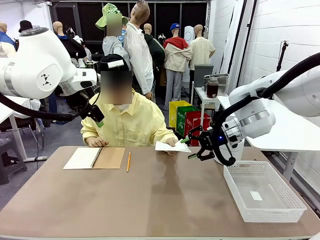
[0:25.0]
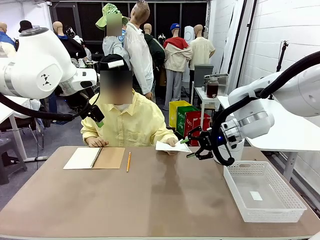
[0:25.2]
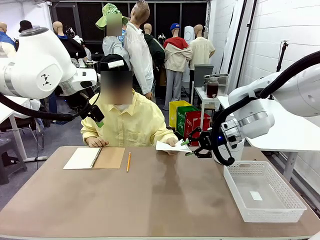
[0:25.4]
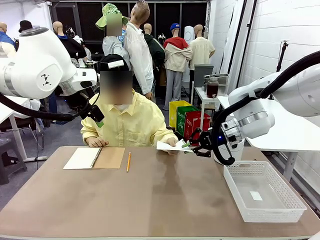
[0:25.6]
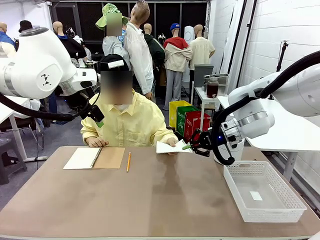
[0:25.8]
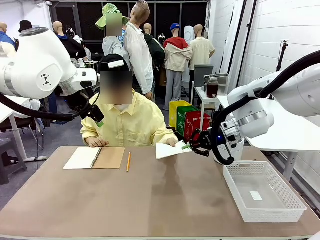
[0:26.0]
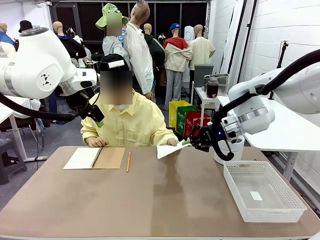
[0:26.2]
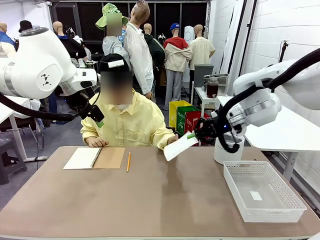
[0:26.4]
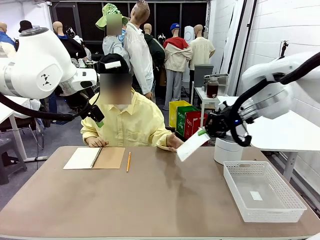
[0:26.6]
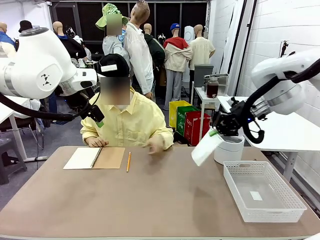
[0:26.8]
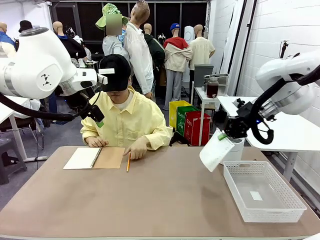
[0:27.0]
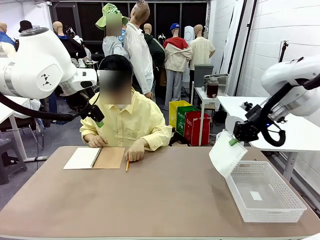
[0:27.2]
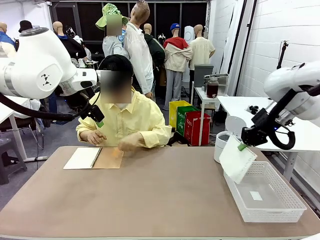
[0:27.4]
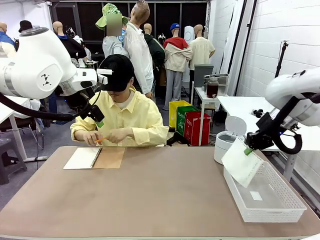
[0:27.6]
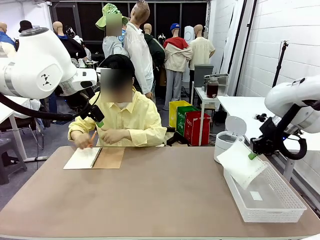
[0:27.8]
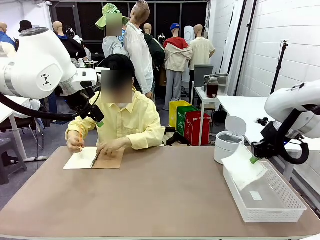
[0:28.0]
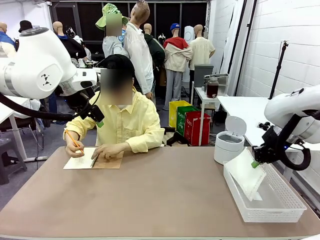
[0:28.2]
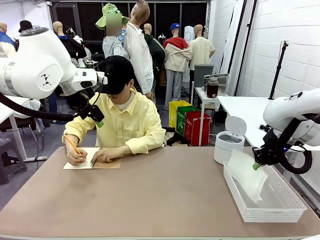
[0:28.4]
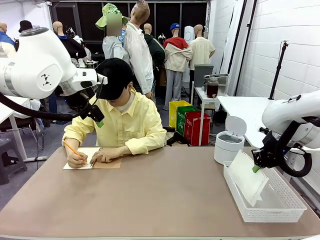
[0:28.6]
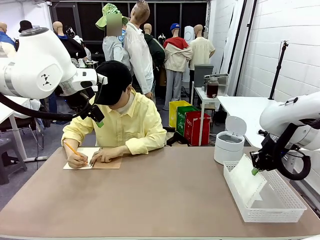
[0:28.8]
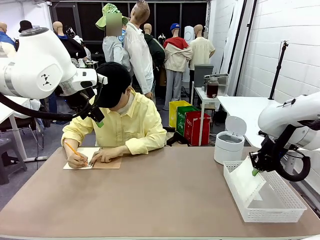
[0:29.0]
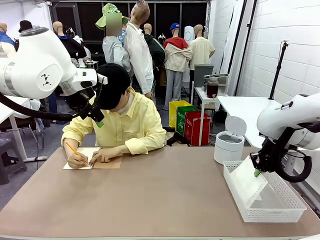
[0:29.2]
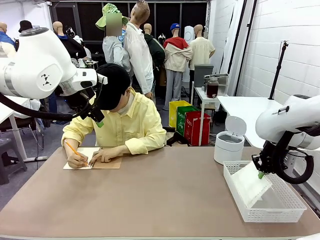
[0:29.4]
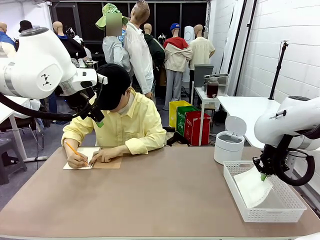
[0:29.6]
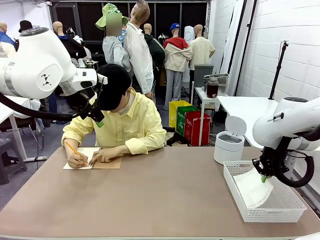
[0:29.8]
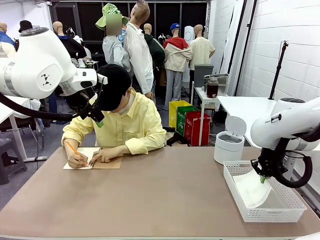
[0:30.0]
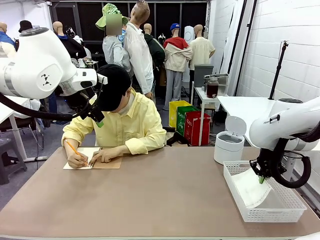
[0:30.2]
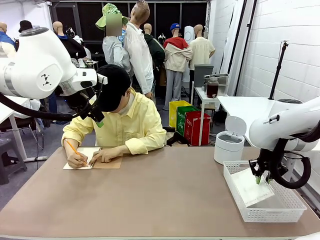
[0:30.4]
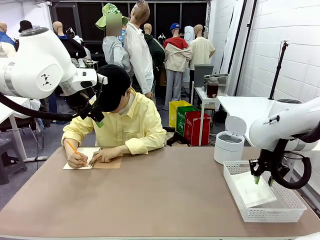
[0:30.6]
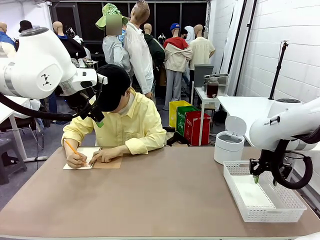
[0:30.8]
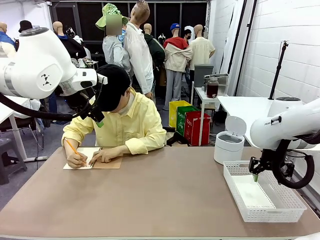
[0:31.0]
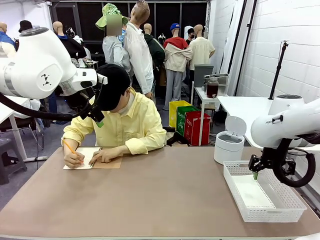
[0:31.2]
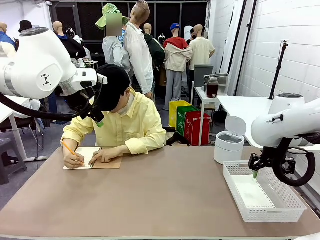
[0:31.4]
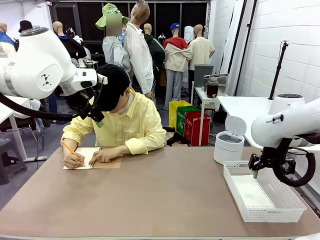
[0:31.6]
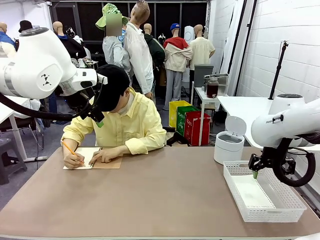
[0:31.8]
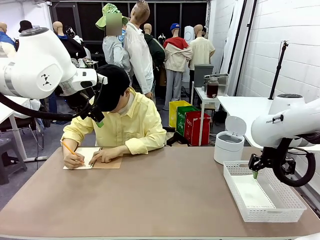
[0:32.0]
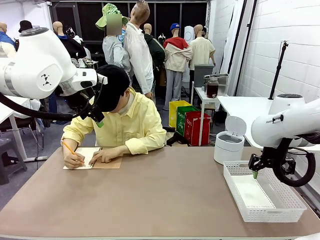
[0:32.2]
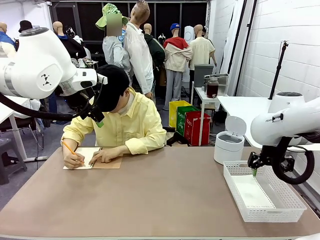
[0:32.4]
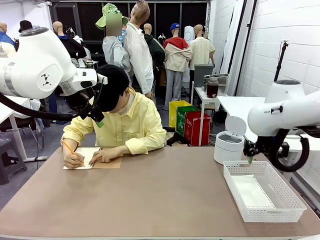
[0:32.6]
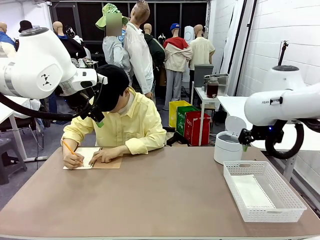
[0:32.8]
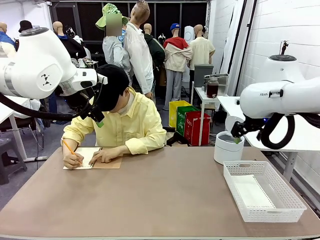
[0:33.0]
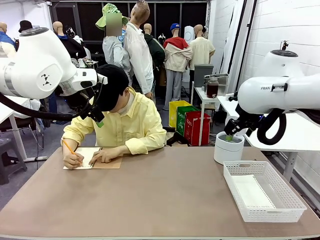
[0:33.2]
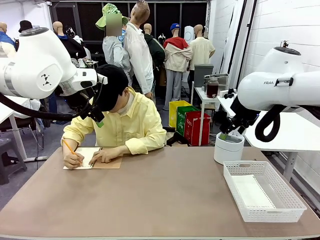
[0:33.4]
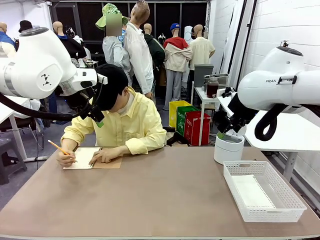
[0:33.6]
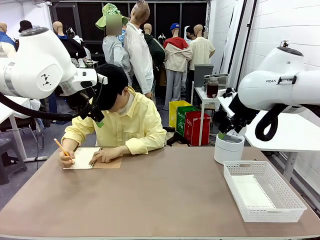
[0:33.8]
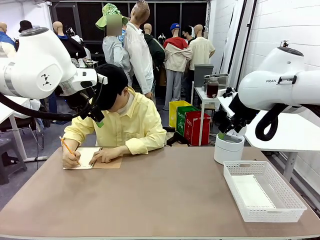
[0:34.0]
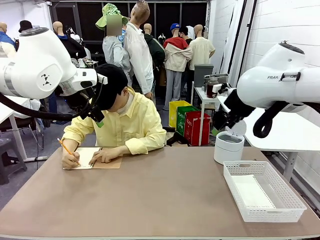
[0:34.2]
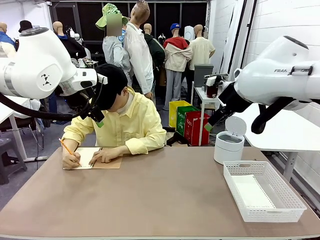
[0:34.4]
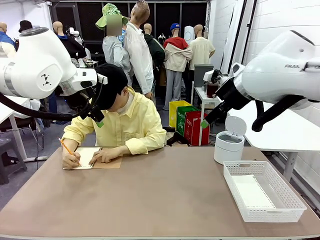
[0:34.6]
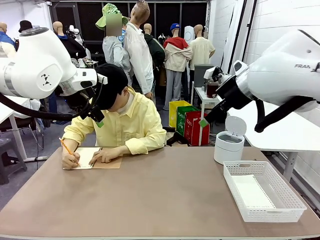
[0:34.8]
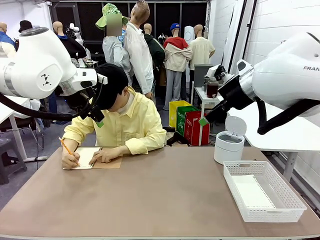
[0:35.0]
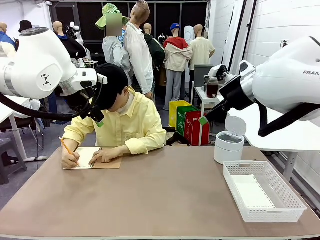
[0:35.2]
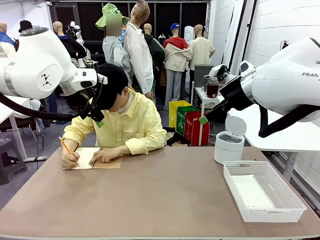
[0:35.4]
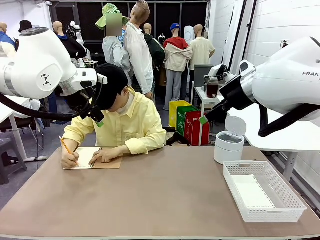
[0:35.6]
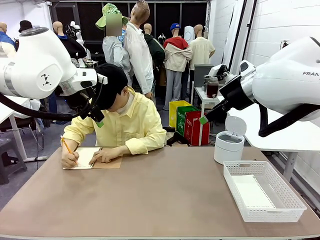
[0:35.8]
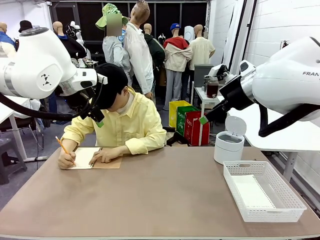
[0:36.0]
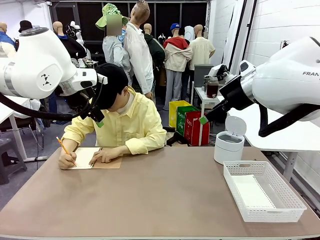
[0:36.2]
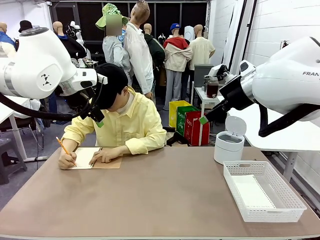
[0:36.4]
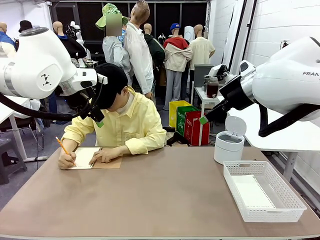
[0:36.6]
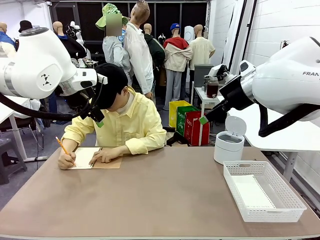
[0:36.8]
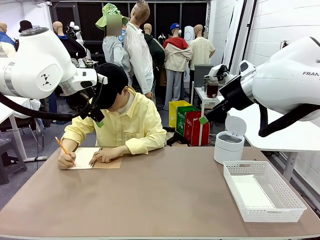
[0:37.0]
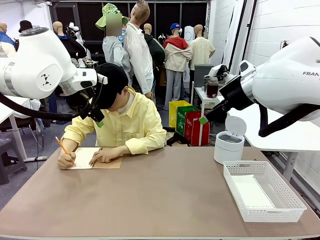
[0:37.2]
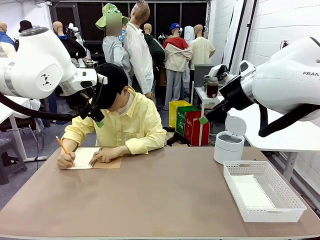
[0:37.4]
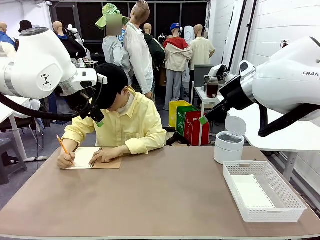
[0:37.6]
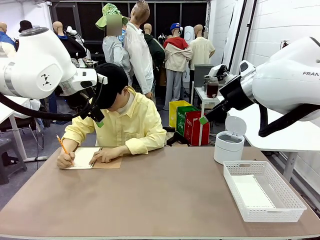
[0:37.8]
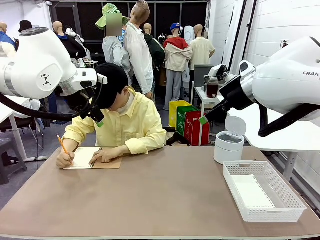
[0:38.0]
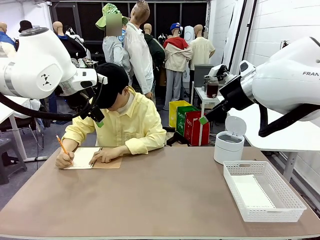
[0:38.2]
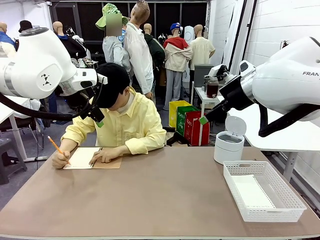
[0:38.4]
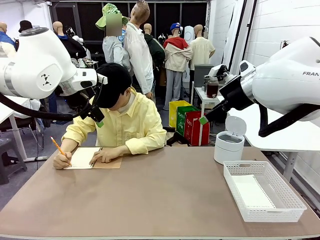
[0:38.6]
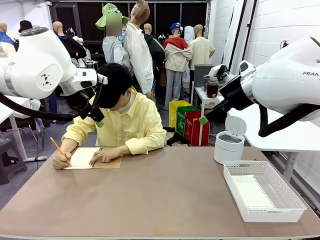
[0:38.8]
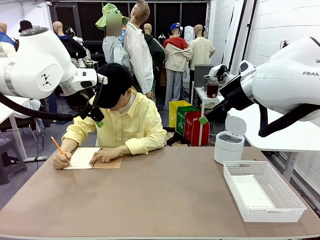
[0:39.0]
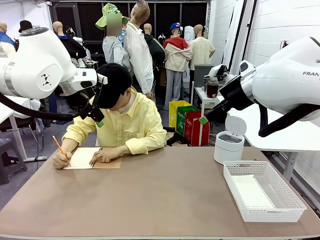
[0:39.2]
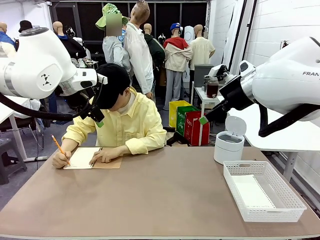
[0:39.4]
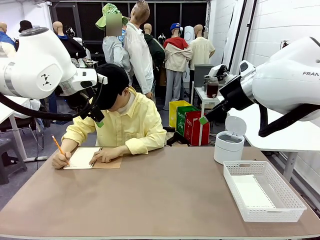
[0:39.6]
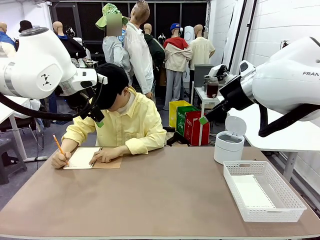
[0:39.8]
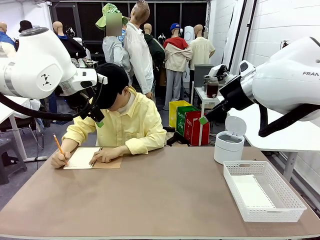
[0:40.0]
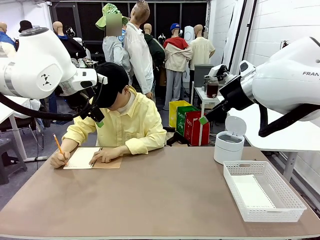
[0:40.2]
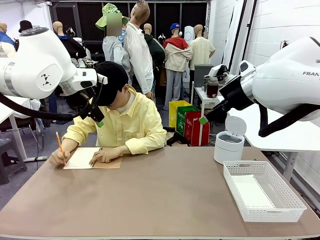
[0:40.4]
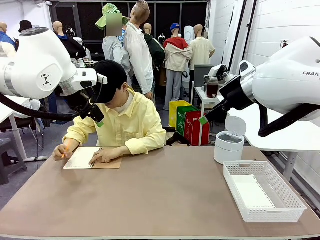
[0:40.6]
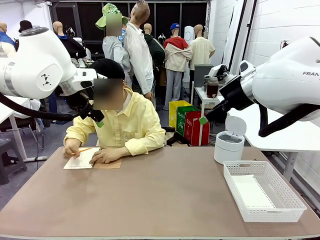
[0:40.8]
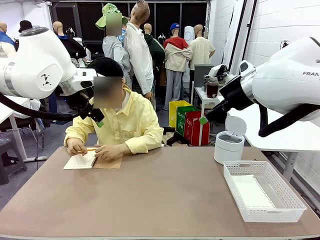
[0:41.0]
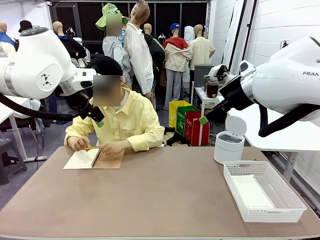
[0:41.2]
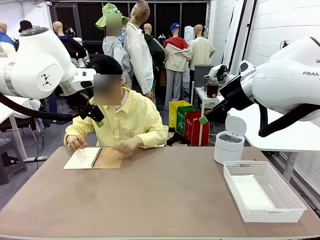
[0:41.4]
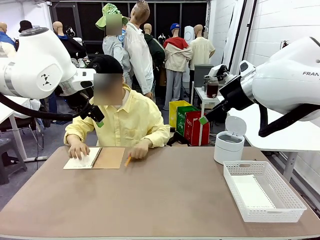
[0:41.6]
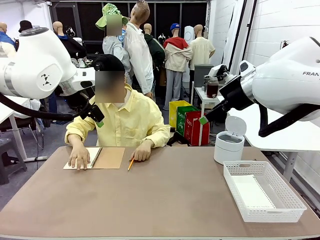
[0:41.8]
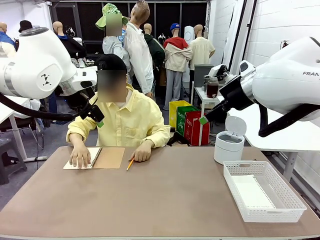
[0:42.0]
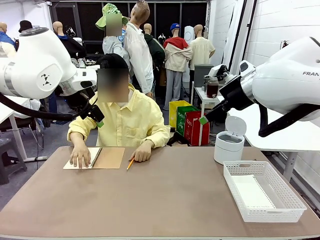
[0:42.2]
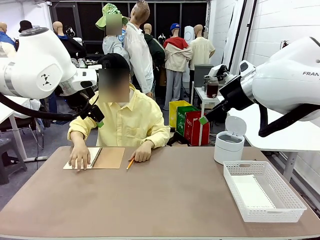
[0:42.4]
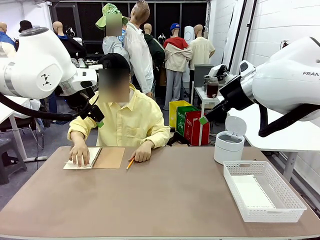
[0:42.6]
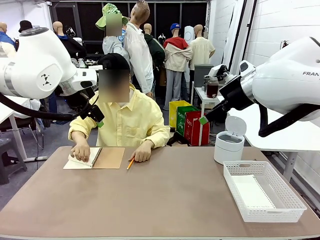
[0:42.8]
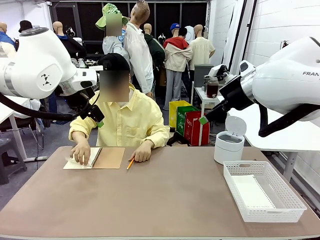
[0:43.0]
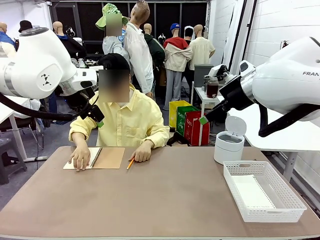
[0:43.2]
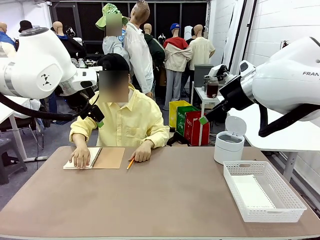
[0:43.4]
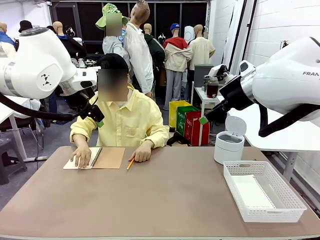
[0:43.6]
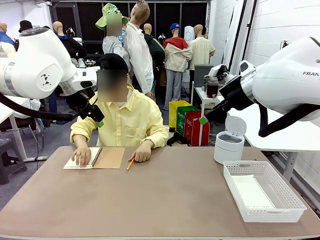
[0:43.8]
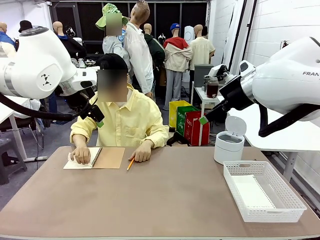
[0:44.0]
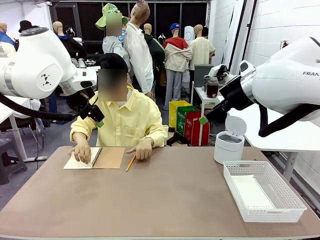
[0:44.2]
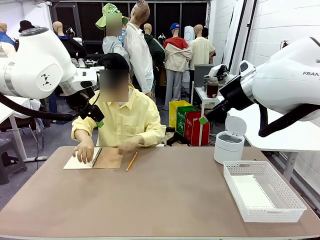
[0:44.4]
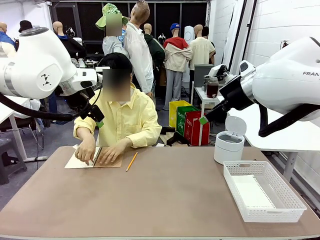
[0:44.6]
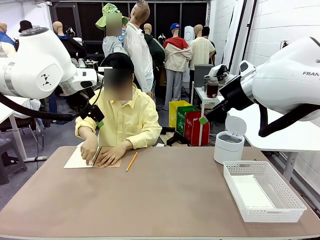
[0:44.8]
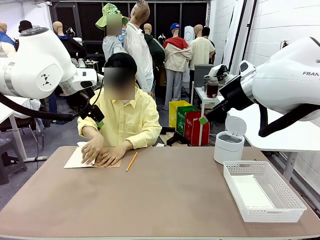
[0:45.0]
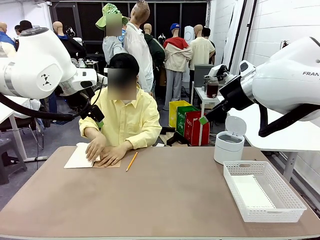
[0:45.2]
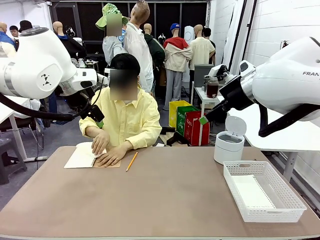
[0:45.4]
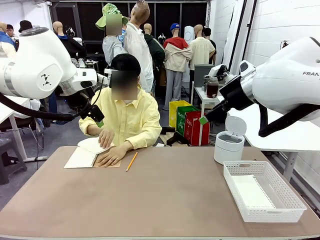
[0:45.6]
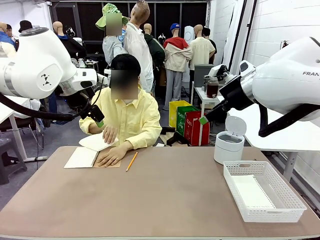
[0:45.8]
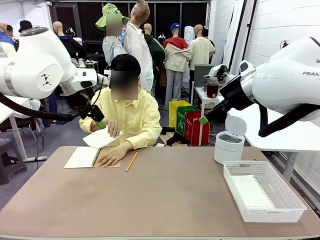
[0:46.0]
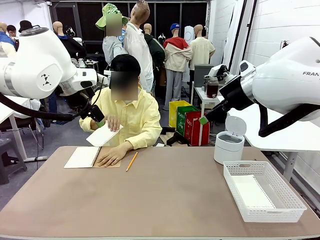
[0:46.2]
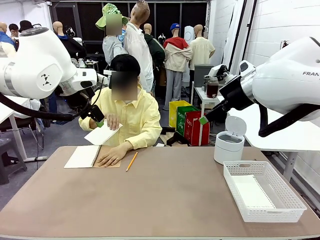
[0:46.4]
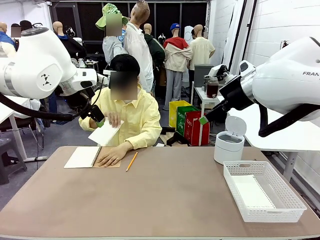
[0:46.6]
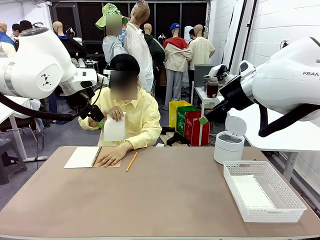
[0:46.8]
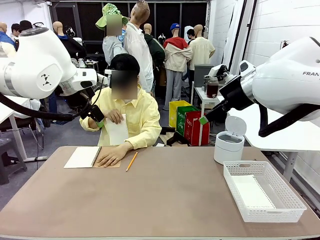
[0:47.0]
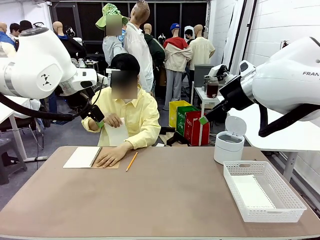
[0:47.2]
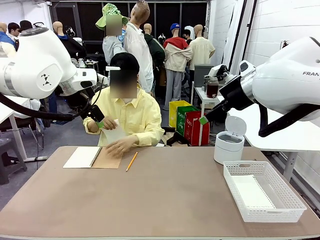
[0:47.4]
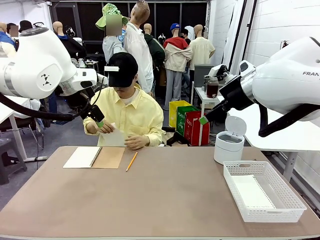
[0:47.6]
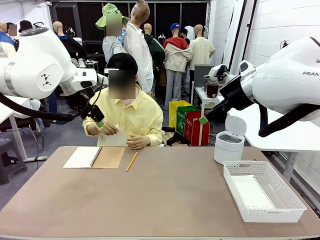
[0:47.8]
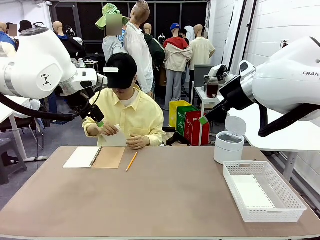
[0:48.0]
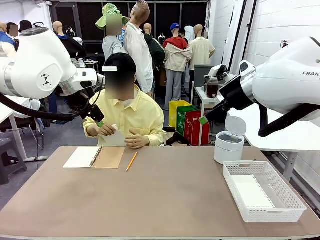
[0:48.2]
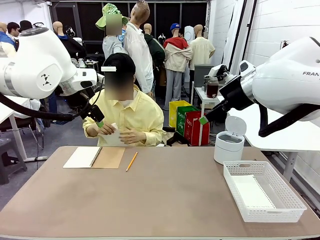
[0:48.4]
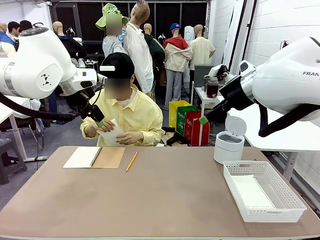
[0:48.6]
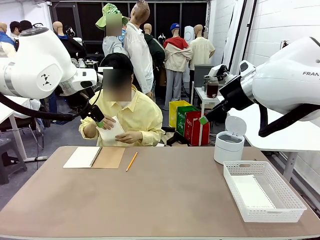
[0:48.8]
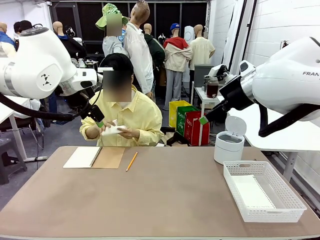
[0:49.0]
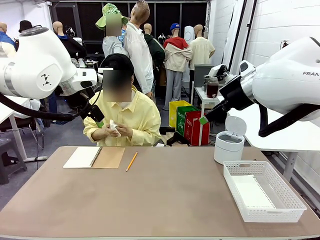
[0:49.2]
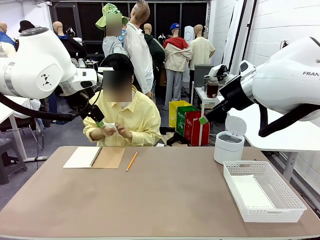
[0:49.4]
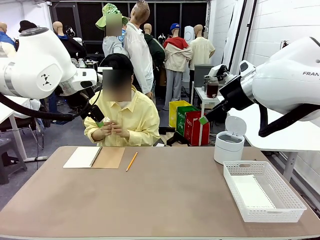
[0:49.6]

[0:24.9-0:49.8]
Task: Sort the paper based on its condition.
Robot: If a person hands you a paper, place it in the Organizing basket , and if it's crumpled, put it in the Trash can.
Person: Tear out a page from the spiral notebook.
